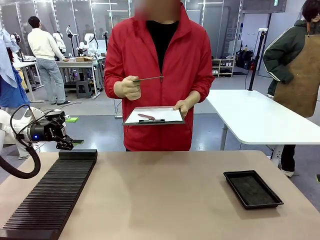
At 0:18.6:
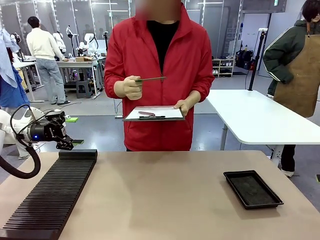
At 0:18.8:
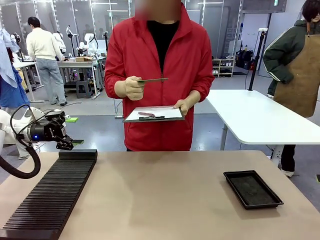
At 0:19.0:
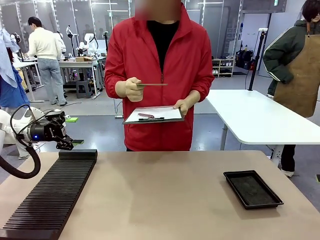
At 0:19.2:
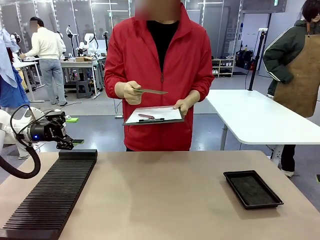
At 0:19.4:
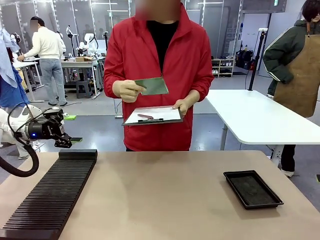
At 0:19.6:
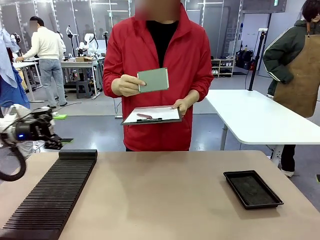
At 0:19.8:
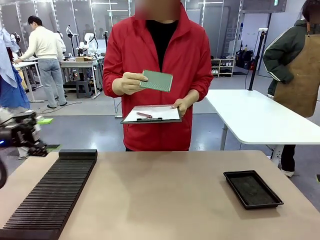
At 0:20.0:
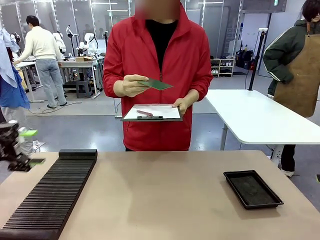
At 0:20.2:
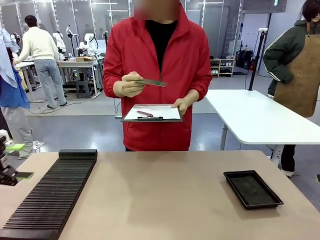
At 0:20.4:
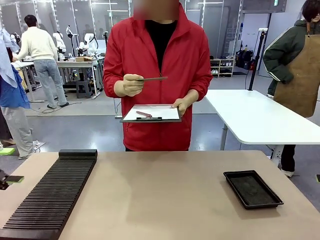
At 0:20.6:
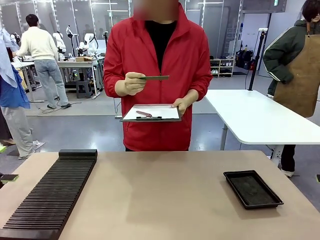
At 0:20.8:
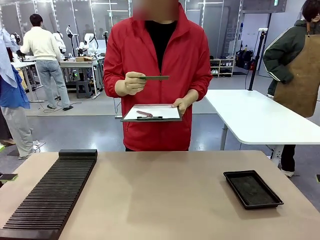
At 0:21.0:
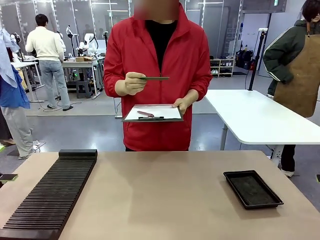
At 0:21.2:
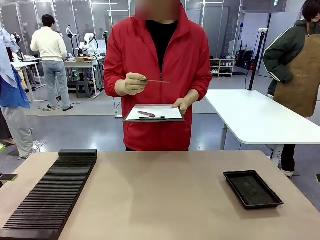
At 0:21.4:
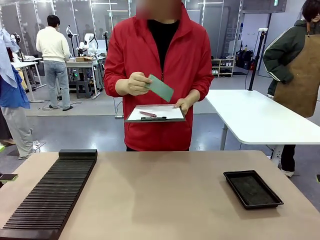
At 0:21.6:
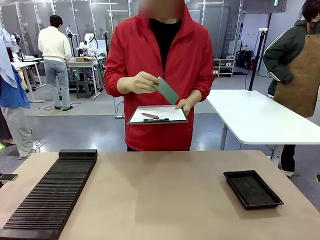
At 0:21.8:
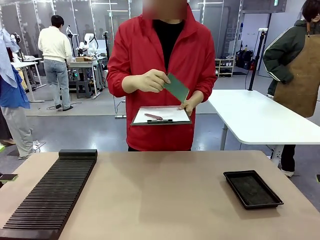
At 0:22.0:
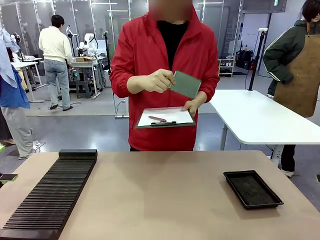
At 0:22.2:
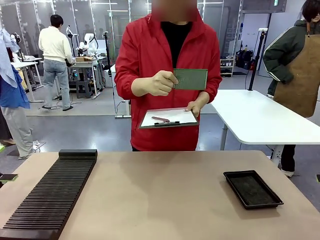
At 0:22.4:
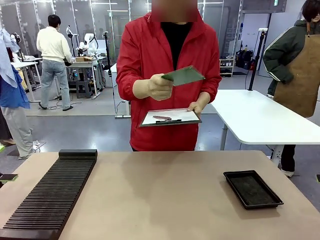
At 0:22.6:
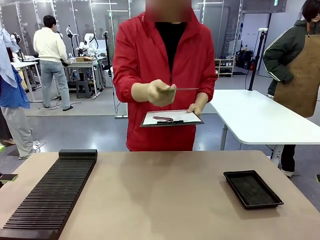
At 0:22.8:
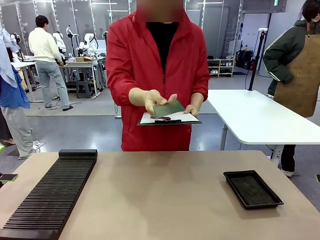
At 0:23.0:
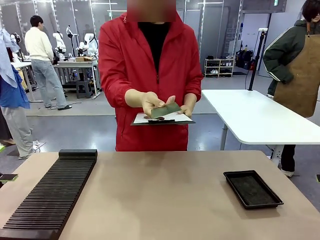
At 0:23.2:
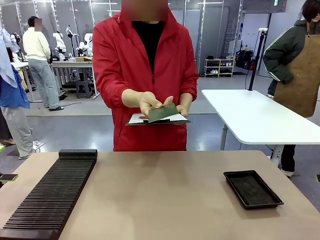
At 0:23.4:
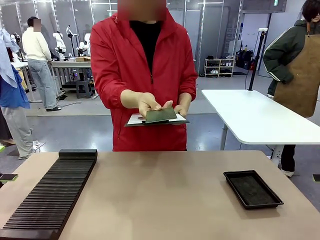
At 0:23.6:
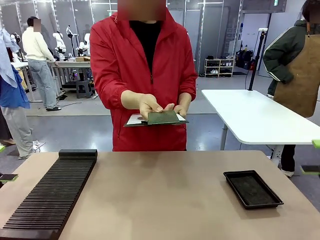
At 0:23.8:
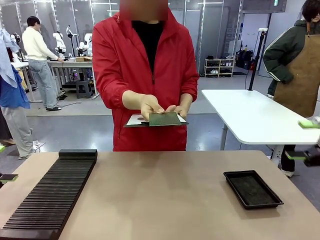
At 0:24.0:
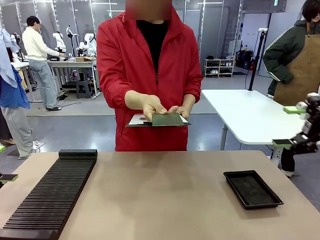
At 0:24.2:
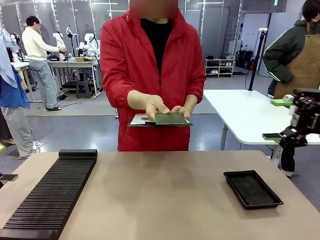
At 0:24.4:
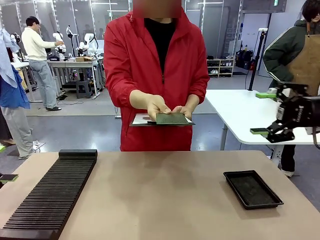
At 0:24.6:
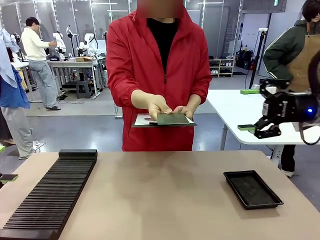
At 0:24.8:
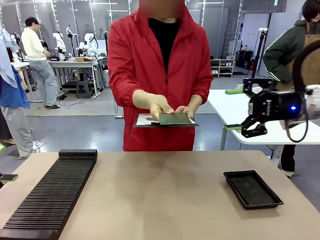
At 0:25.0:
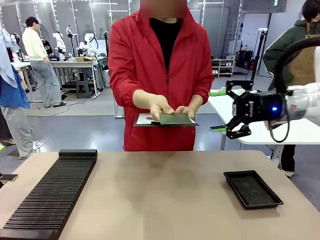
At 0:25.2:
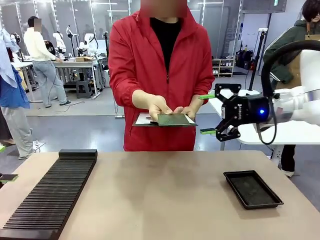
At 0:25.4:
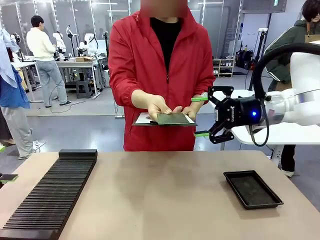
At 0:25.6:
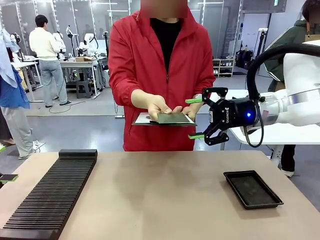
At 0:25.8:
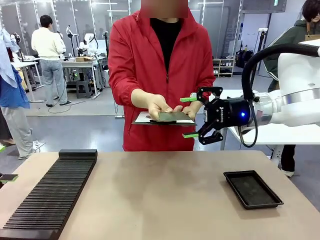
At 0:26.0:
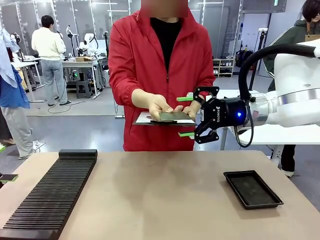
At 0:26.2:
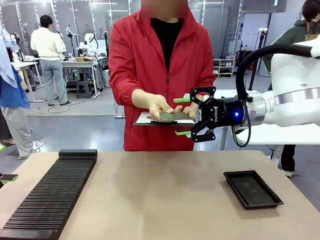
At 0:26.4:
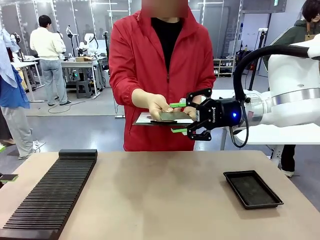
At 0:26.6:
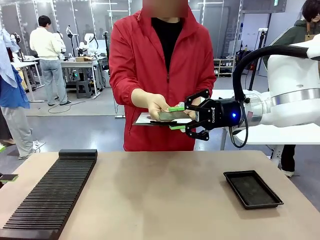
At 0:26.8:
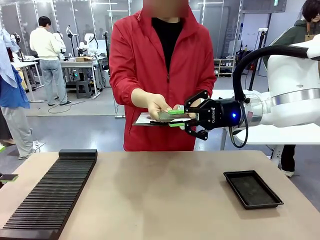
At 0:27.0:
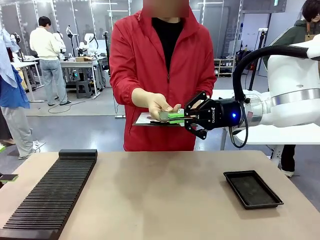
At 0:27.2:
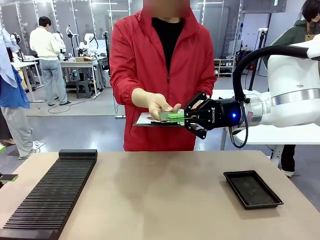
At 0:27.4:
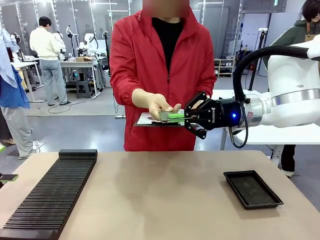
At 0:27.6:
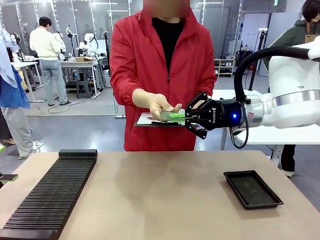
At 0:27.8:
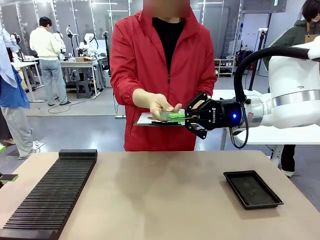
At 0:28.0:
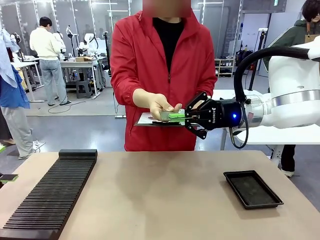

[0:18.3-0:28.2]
Task: Inspect the PCB.
Robot: Pick up the Blank PCB that the human is holding.
Person: Inspect the PCB placed by the robot, then hold it out in front of the robot. Release the PCB you were holding.

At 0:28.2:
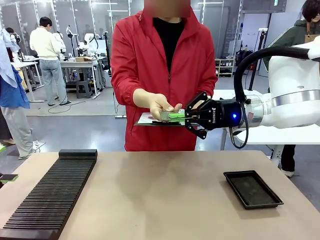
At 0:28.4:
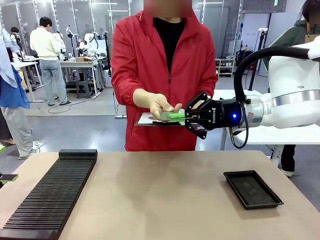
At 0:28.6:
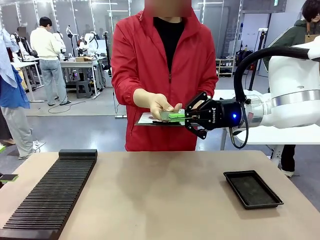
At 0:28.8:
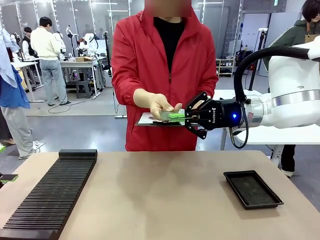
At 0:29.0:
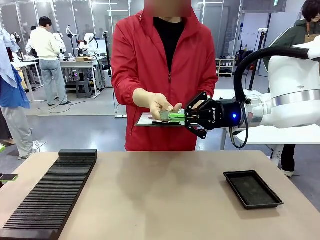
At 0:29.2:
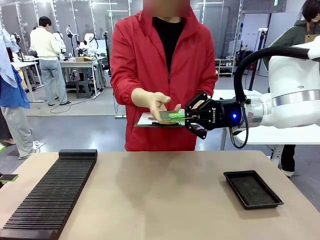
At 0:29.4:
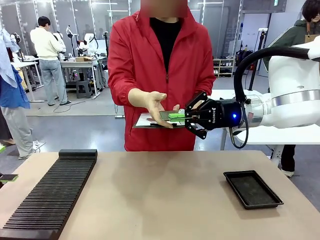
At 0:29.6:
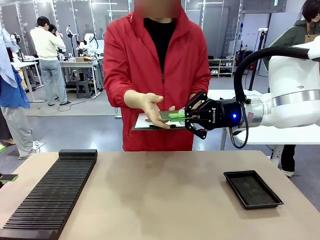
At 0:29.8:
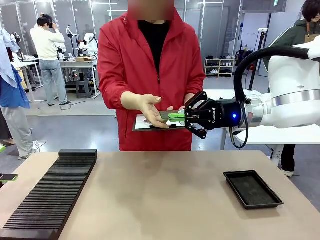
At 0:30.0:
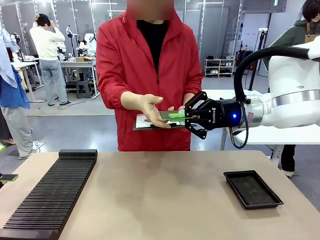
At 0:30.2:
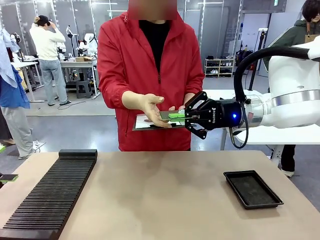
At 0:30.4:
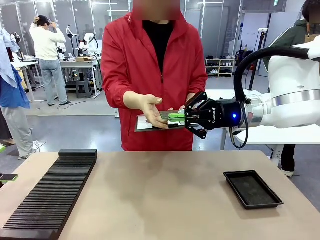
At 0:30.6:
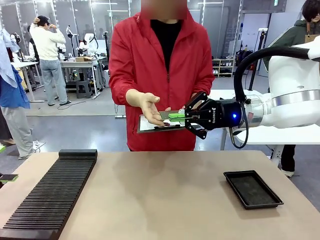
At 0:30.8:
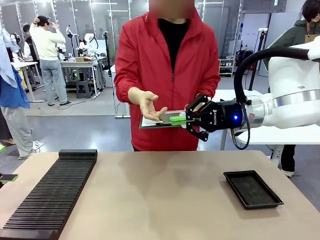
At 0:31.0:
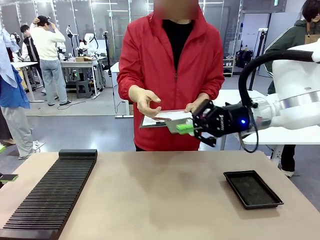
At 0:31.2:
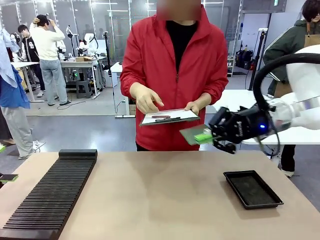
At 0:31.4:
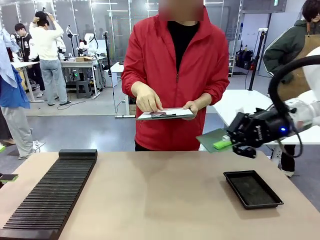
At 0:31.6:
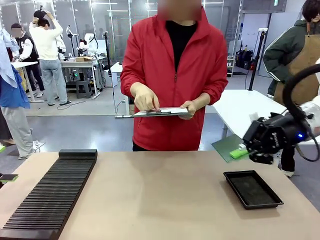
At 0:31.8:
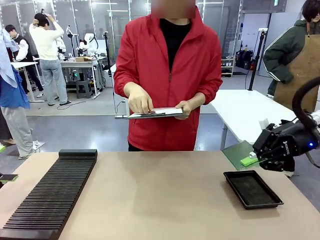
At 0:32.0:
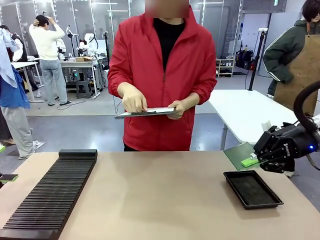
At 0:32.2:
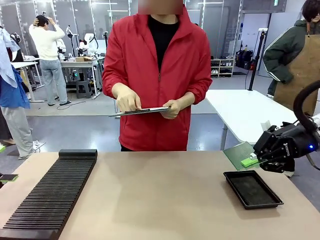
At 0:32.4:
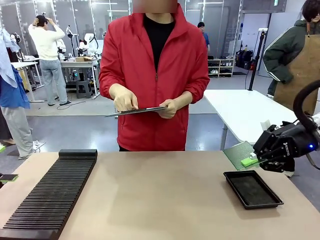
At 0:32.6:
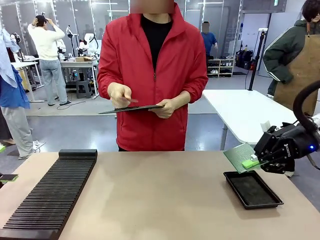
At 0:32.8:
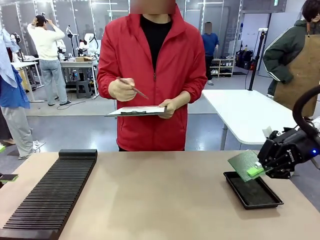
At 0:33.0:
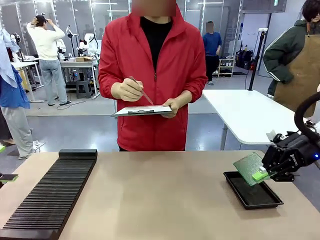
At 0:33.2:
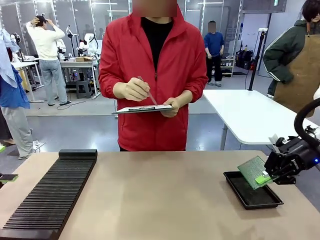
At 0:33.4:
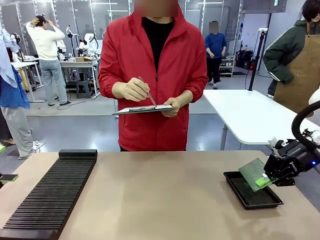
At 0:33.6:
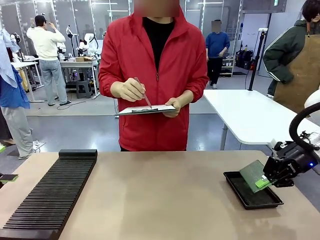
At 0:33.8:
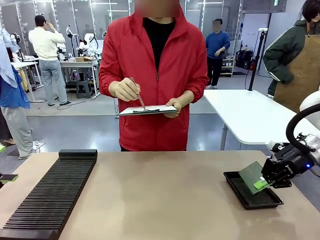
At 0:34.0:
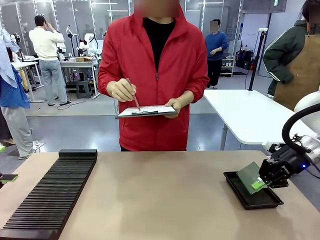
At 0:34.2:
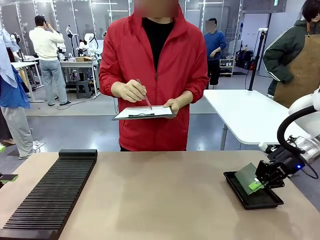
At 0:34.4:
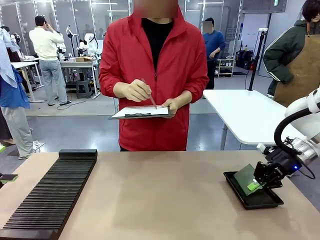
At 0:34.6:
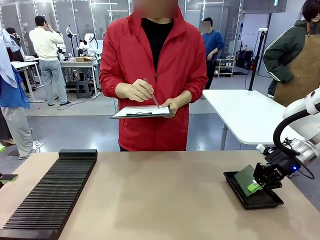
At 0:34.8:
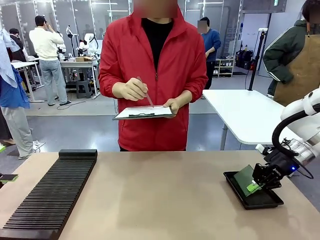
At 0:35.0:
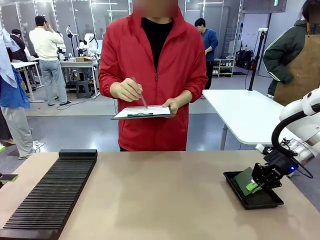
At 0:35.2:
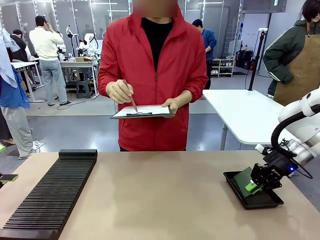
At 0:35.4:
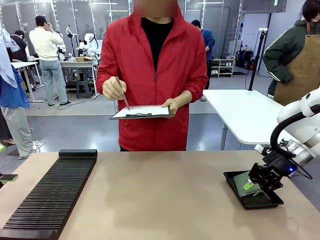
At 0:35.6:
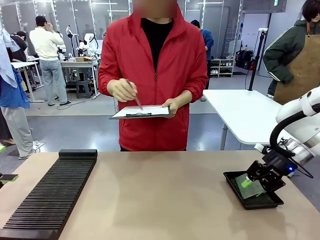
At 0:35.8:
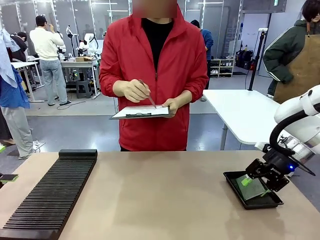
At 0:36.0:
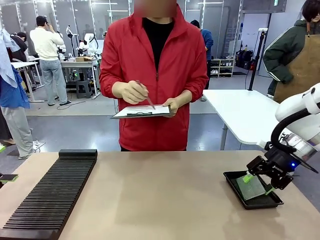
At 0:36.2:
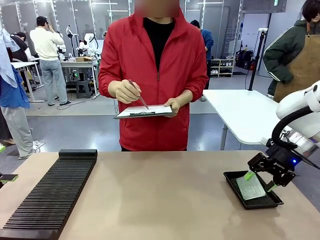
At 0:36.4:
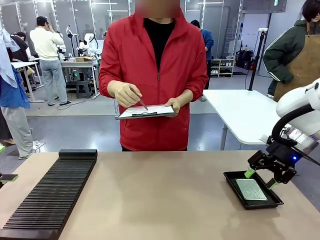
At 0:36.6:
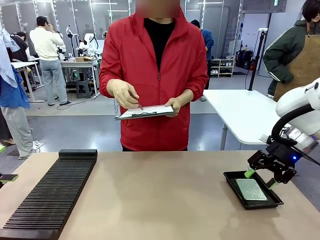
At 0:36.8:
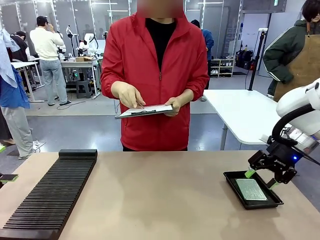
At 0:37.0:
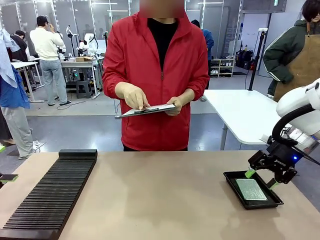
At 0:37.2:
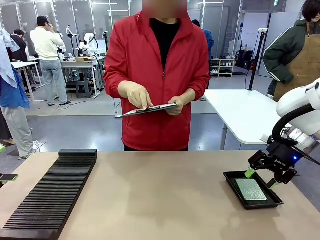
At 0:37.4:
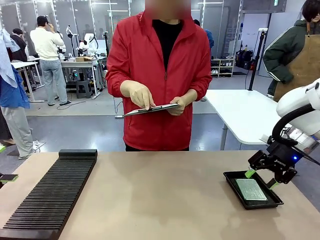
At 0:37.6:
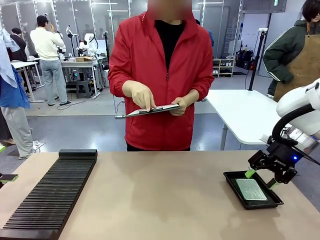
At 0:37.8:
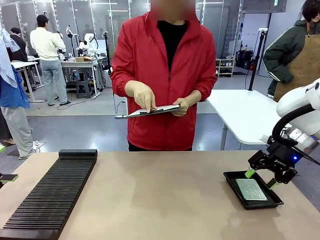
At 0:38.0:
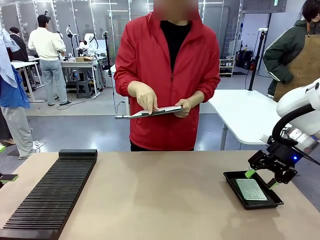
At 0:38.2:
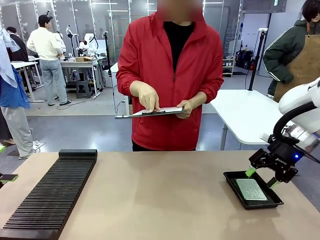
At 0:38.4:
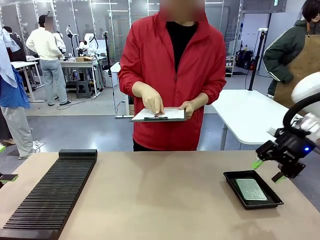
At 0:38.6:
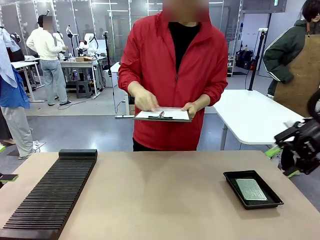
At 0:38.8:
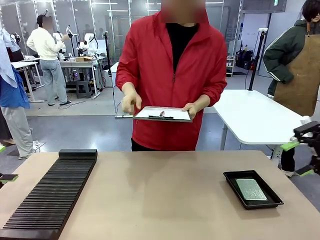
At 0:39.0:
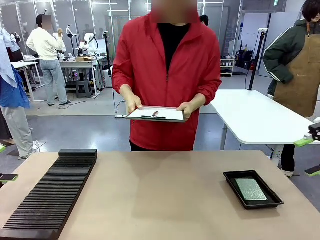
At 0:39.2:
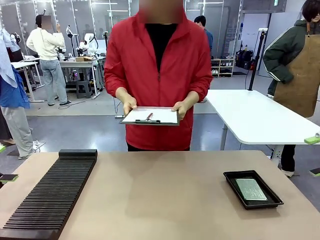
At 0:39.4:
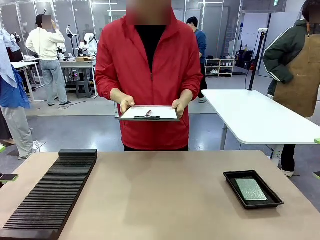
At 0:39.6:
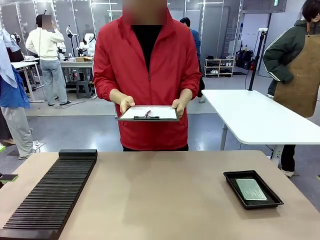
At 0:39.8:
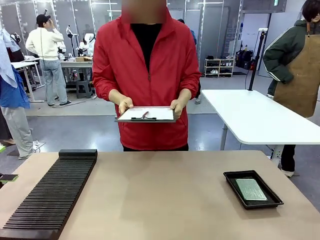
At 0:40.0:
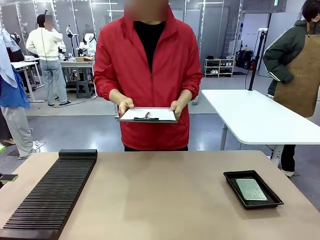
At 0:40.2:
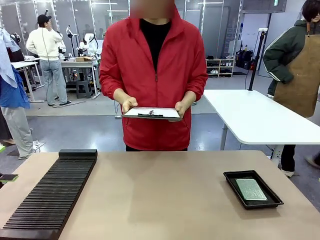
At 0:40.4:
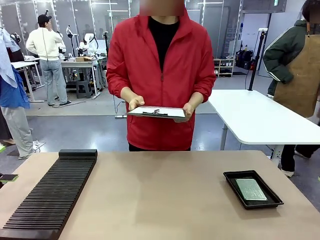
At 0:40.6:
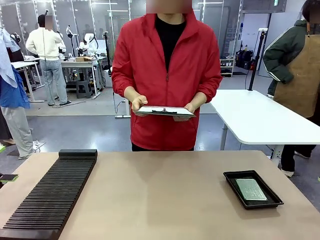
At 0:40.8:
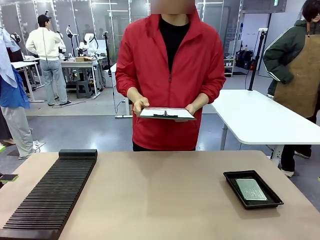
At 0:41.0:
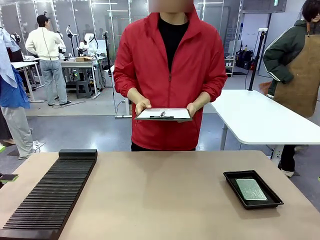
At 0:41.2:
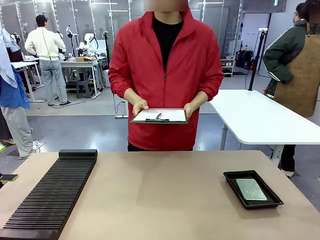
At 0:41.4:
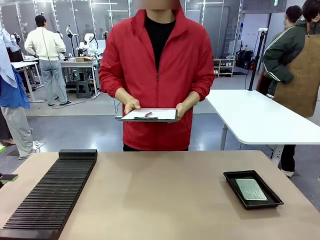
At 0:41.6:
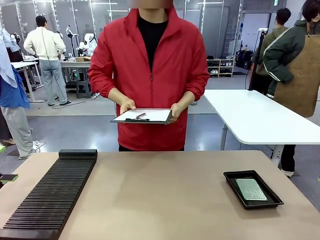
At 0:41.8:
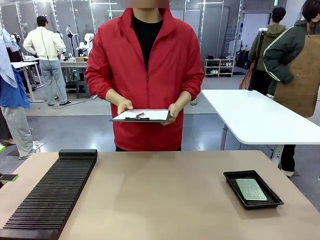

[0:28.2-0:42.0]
Robot: Place the Blank PCB in the ESD tray.
Person: Record the PCB status on the paper.
